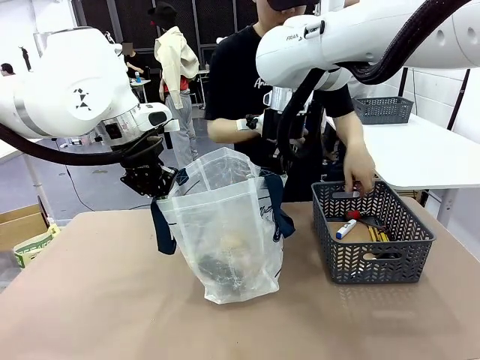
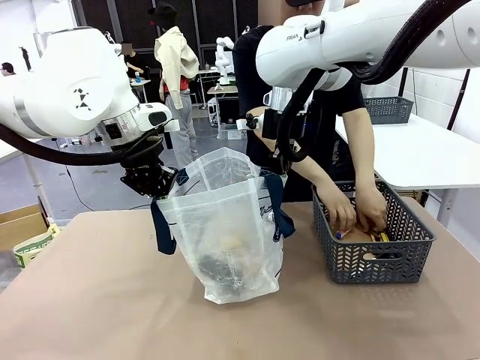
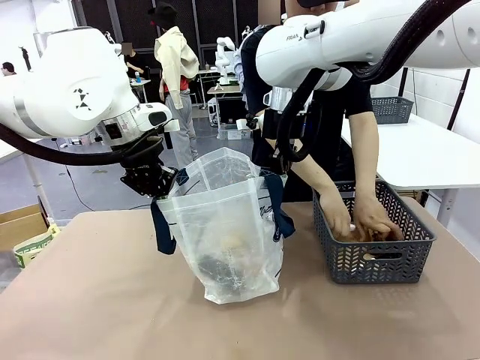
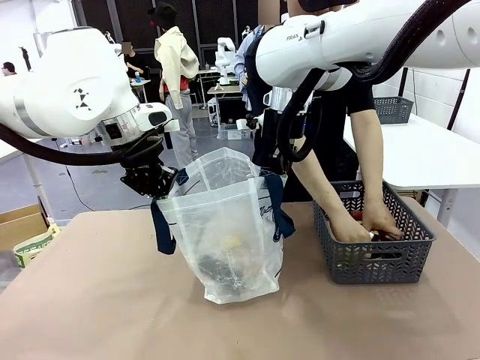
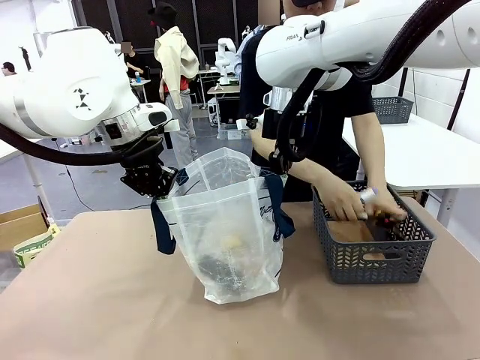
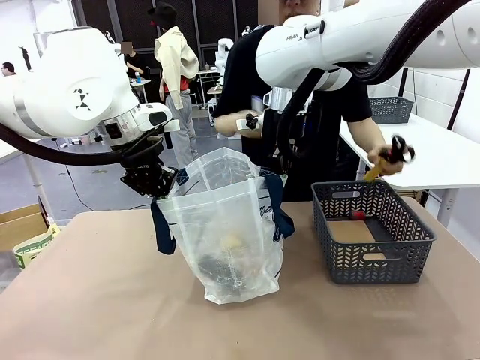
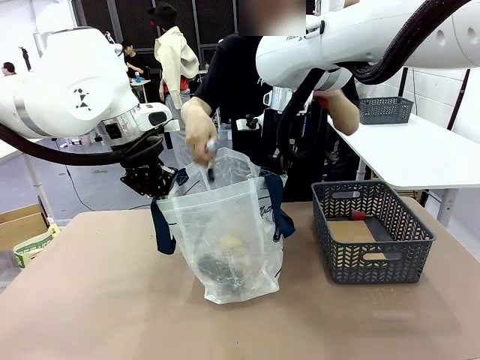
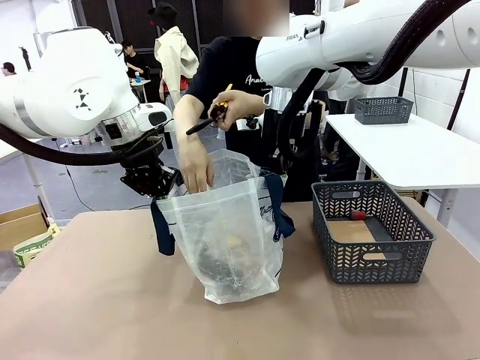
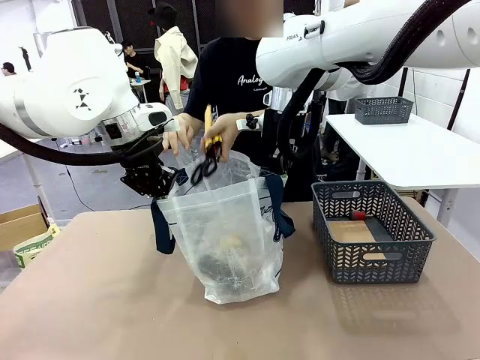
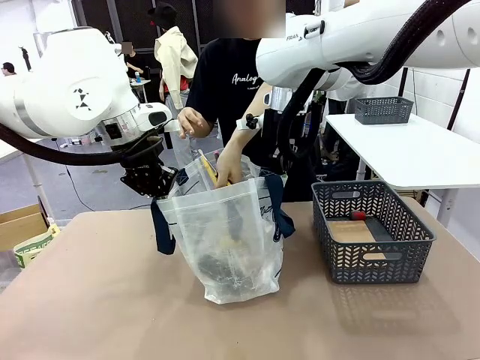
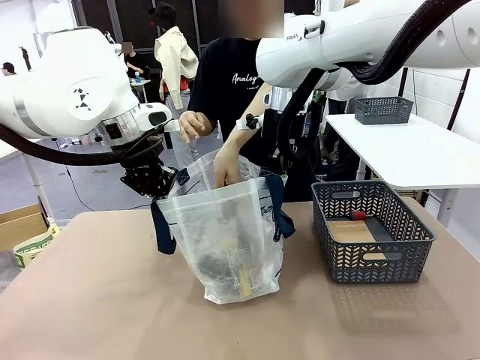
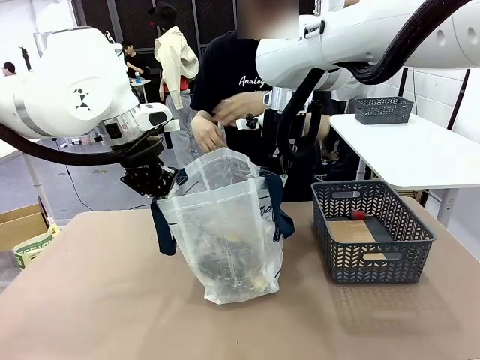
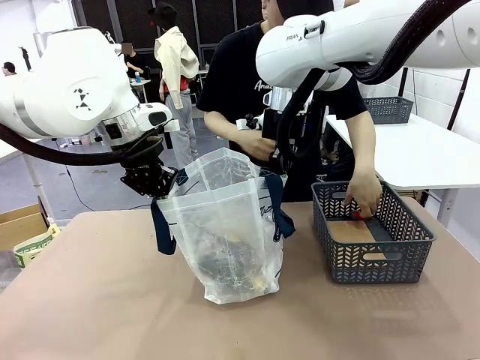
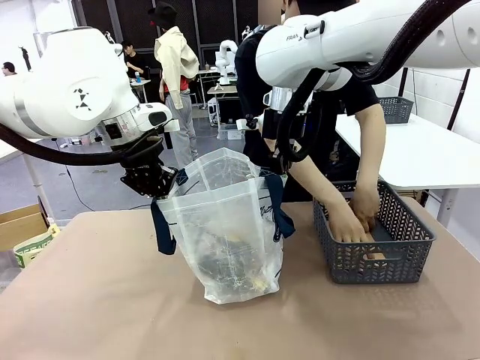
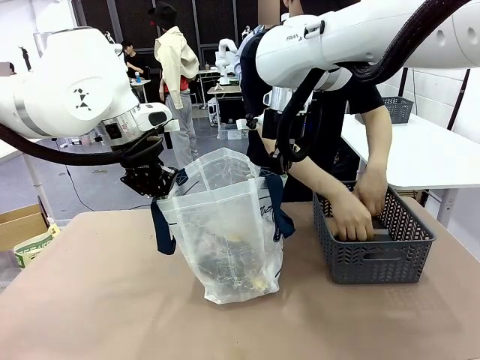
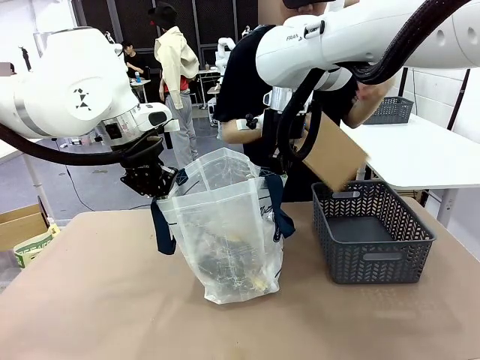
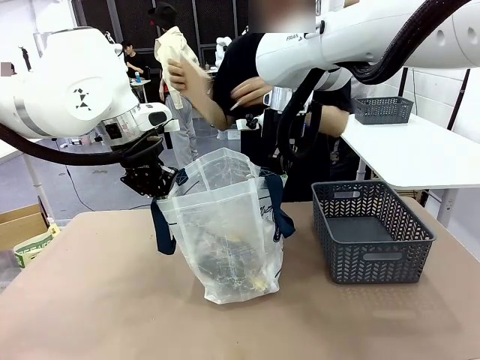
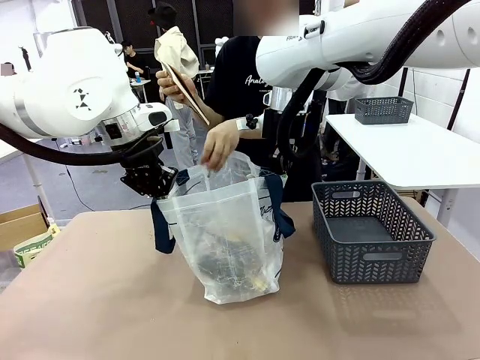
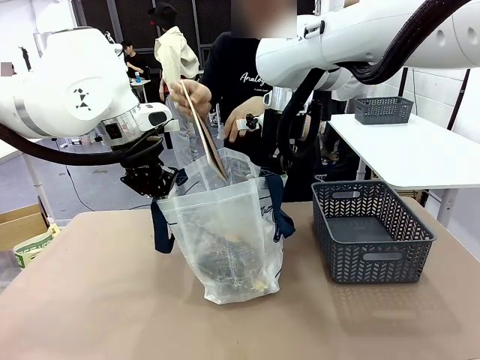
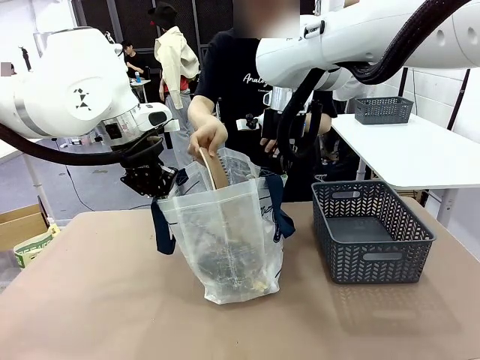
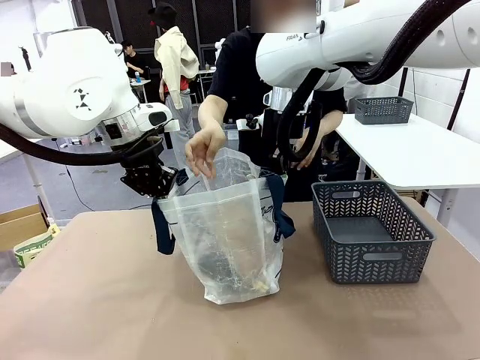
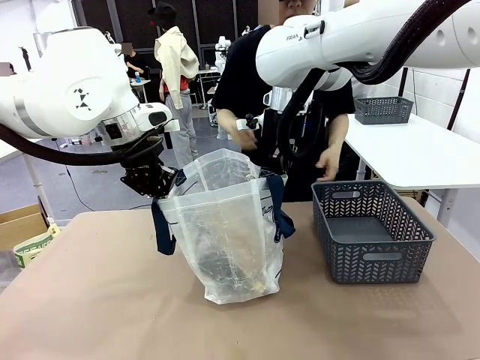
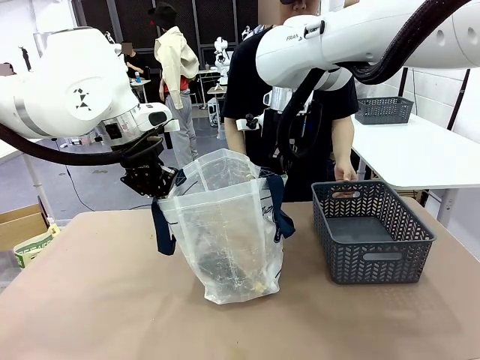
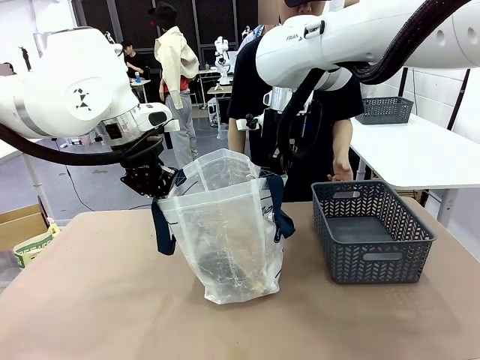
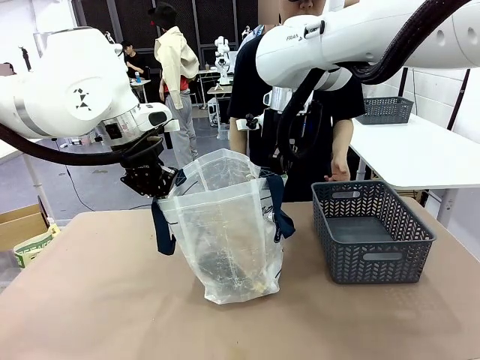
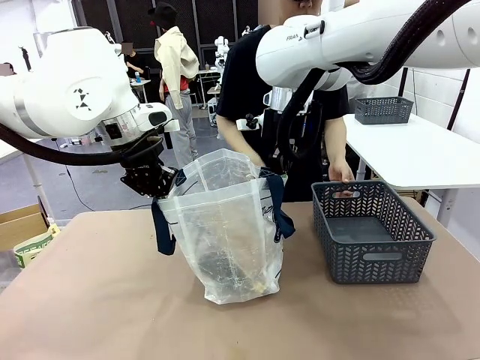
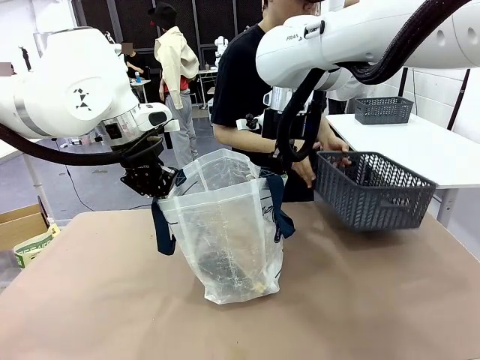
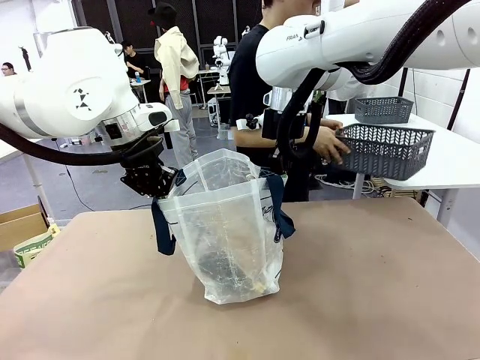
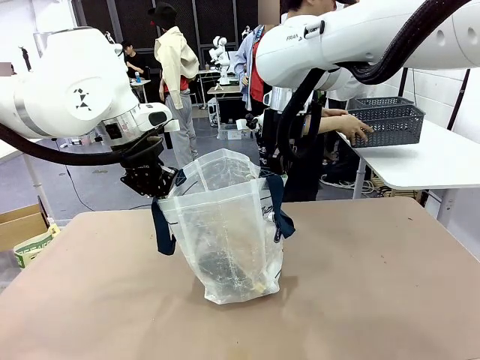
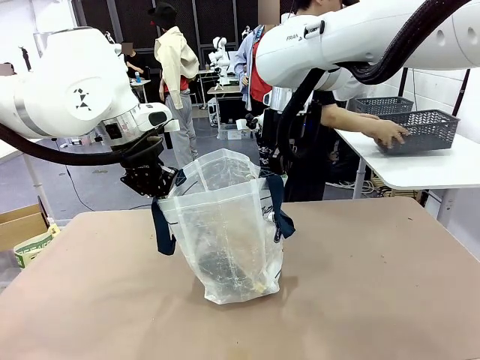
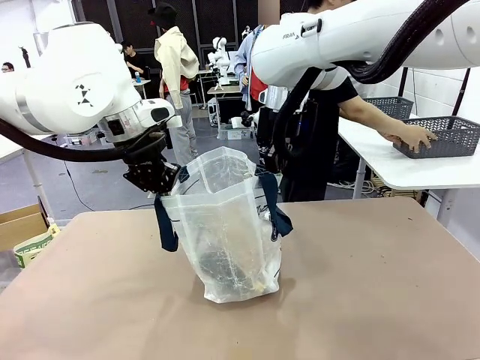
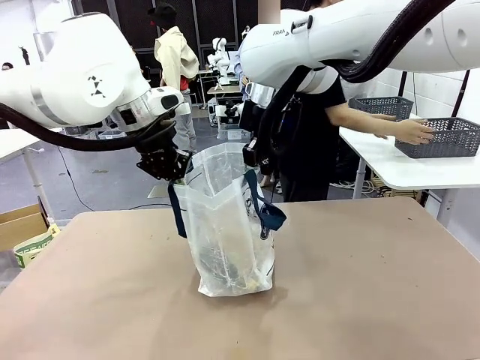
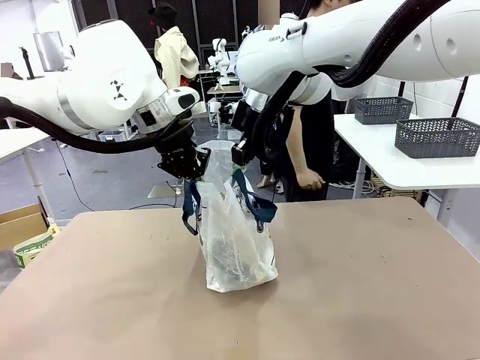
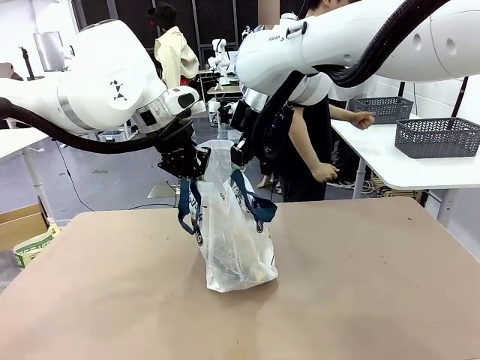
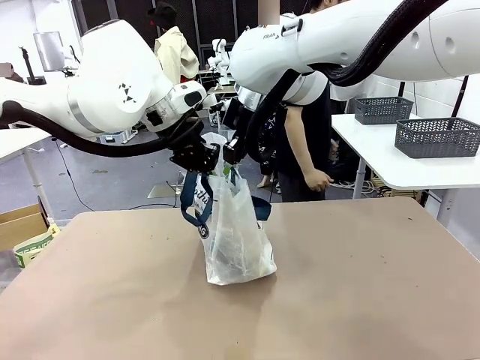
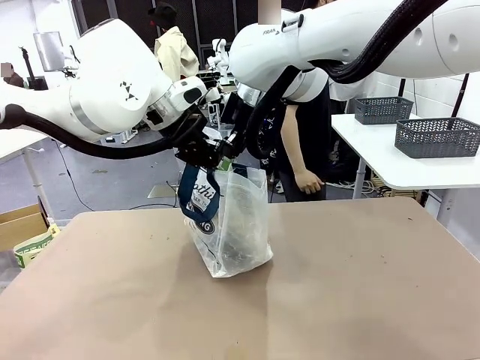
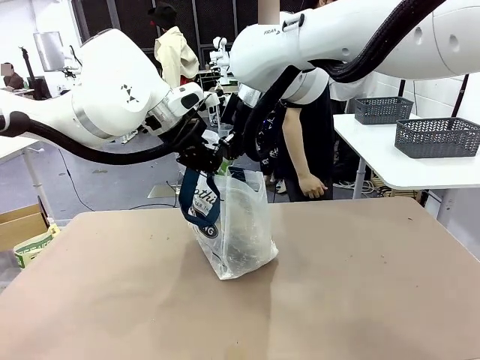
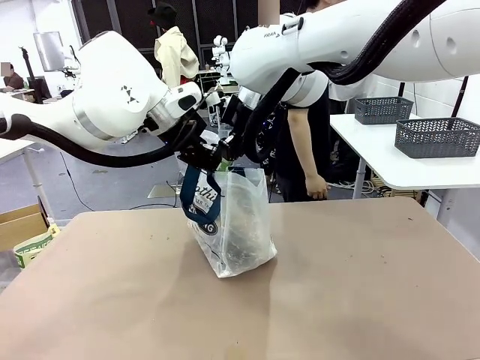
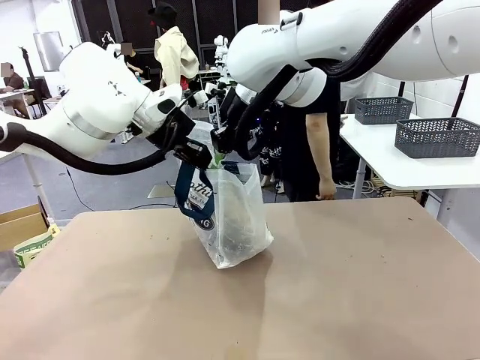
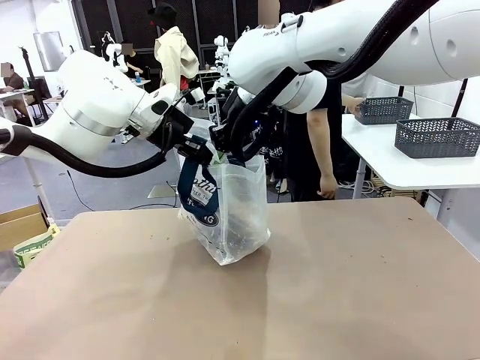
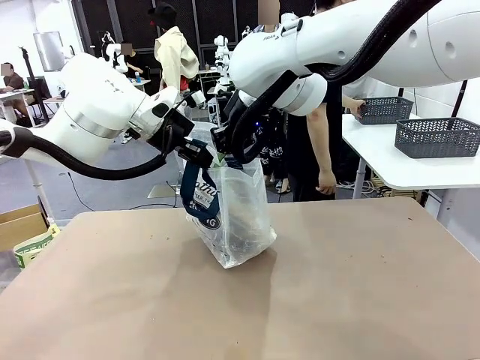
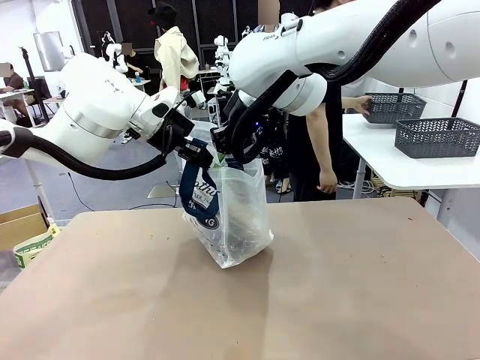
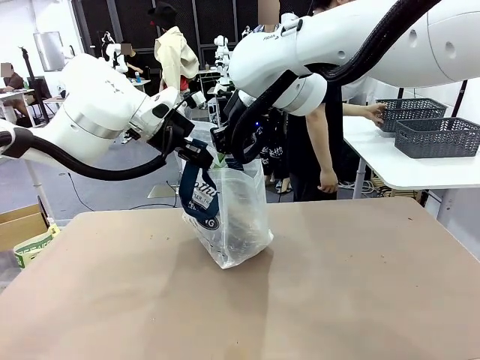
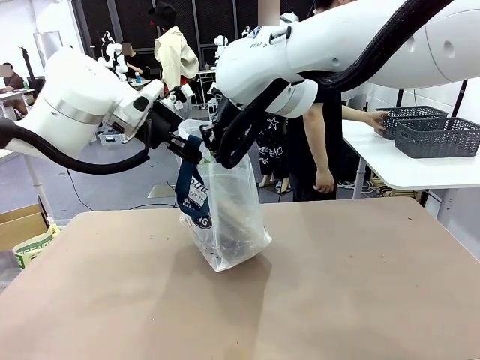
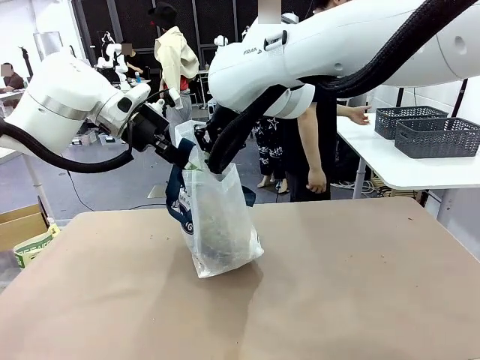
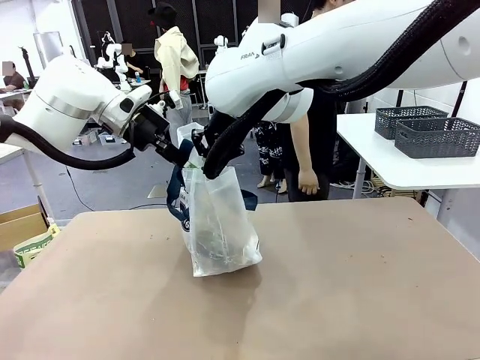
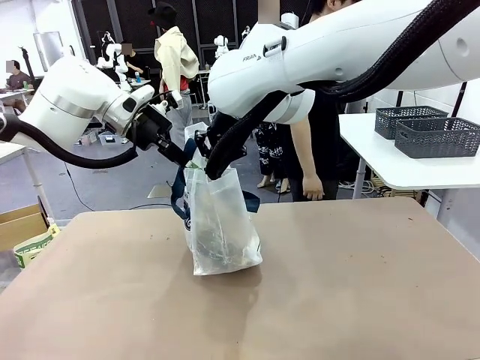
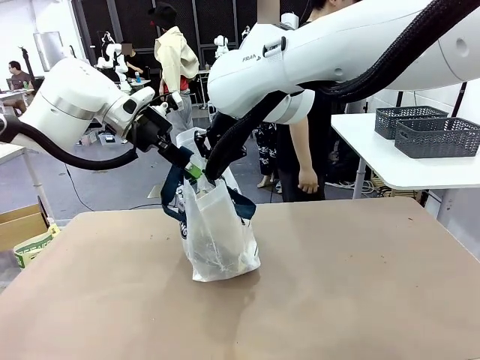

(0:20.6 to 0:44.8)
Task: Transfer purchased items from the store into the shopping bag.
Robot: Move the Reusable shopping bag to the right side of the table.
Person: Pick up the basket with the items out and place it on the right side of the human table.
